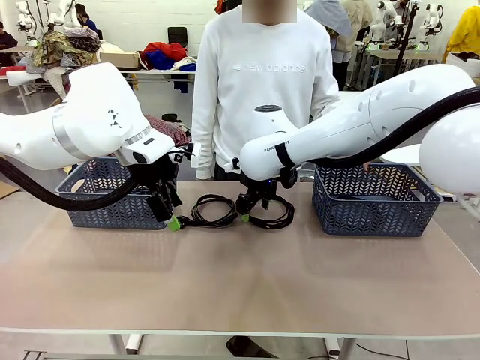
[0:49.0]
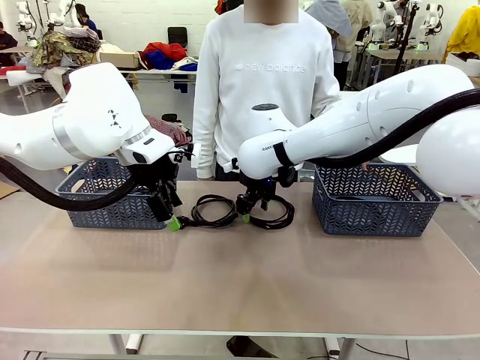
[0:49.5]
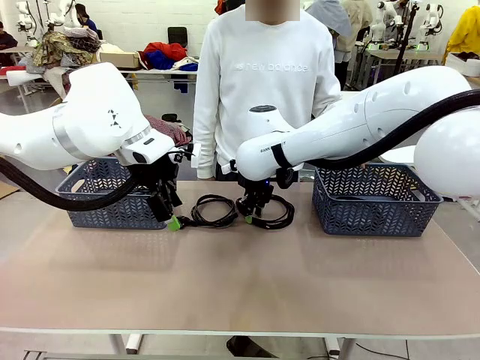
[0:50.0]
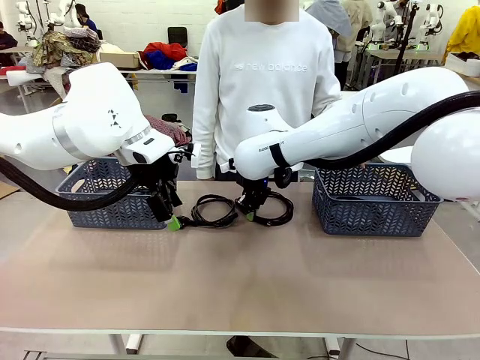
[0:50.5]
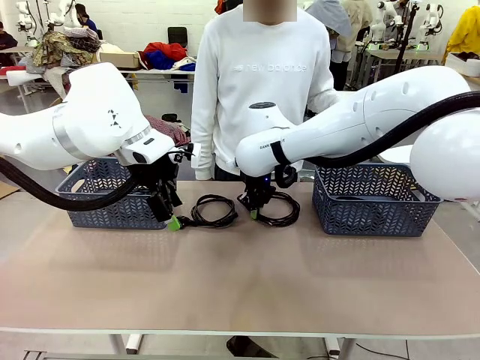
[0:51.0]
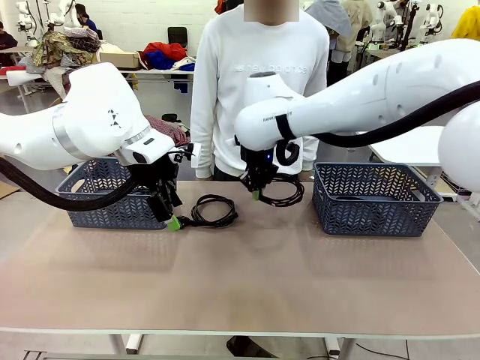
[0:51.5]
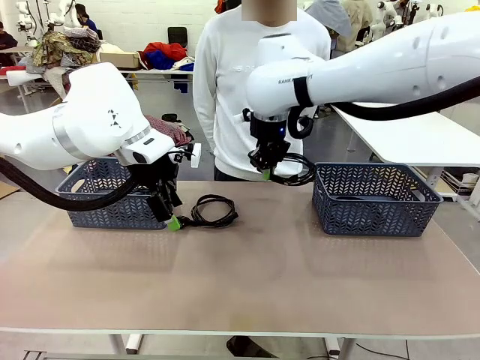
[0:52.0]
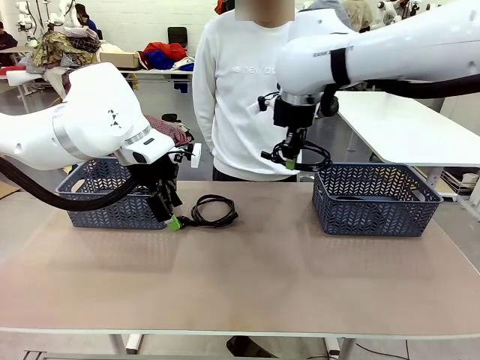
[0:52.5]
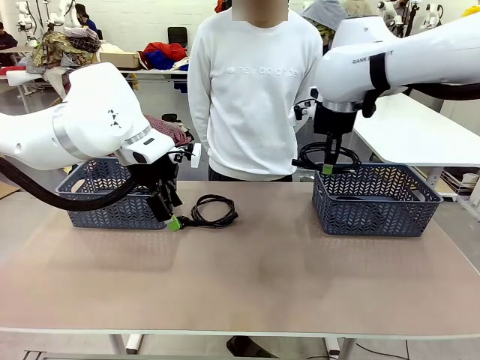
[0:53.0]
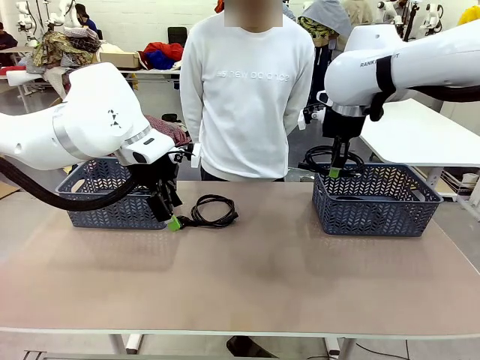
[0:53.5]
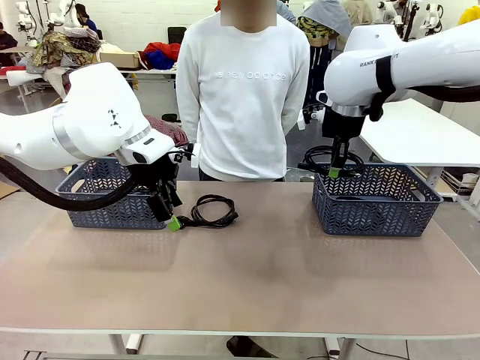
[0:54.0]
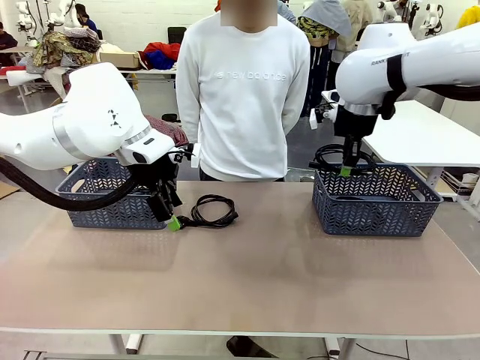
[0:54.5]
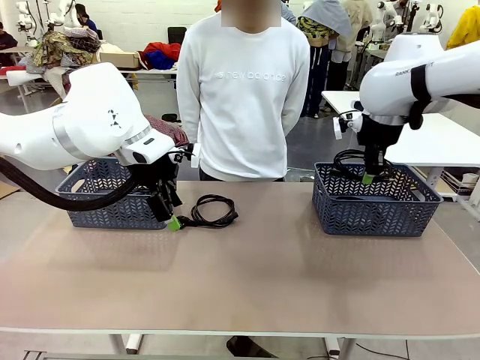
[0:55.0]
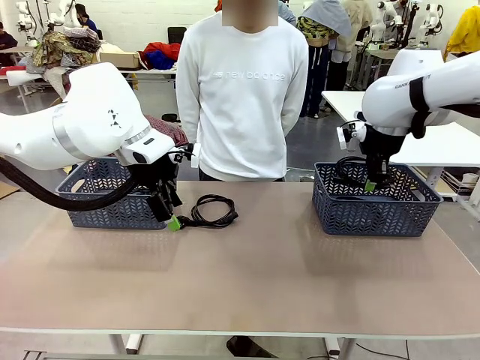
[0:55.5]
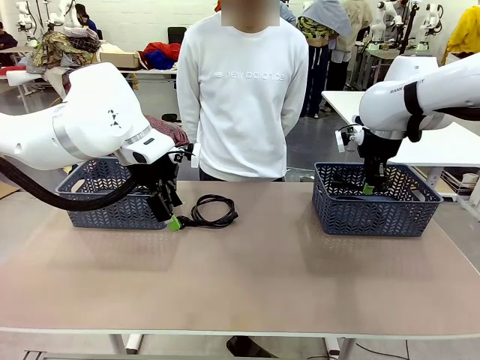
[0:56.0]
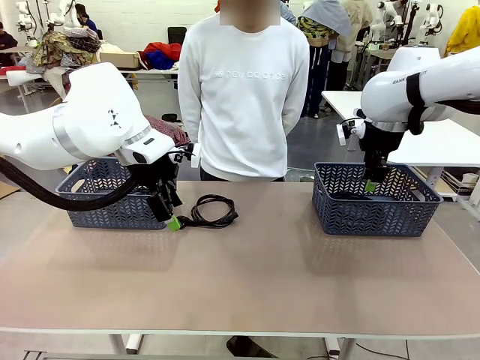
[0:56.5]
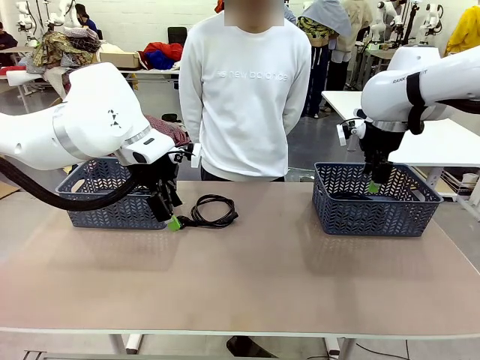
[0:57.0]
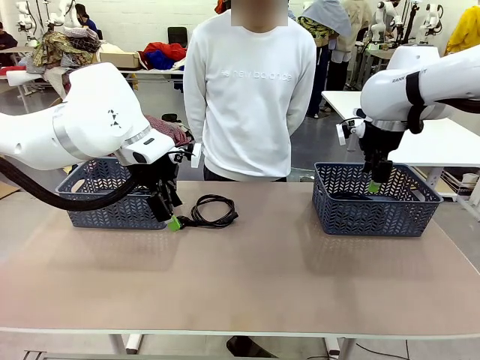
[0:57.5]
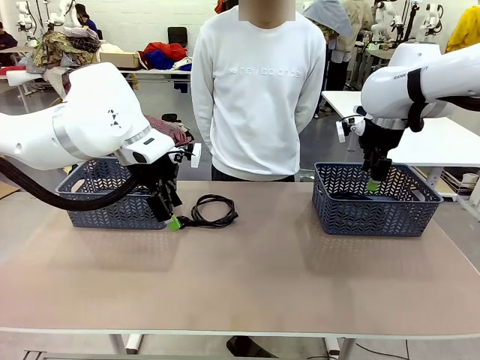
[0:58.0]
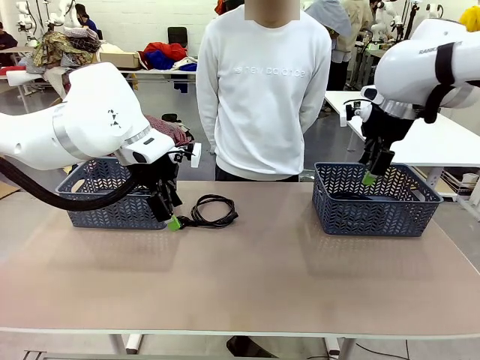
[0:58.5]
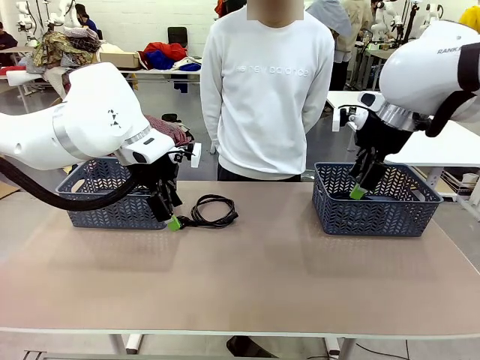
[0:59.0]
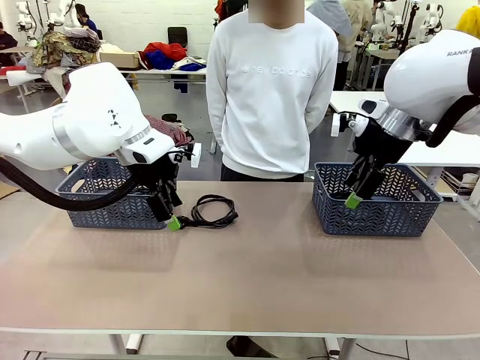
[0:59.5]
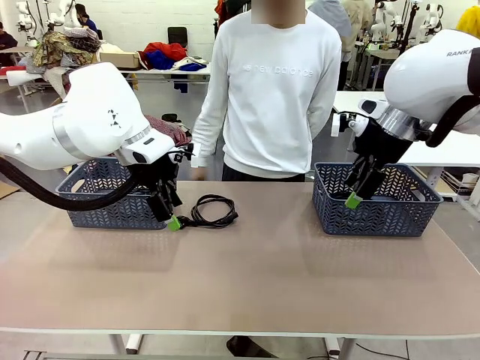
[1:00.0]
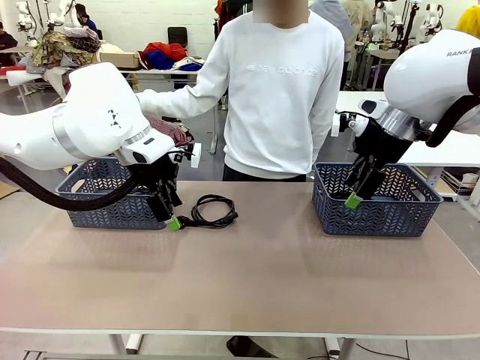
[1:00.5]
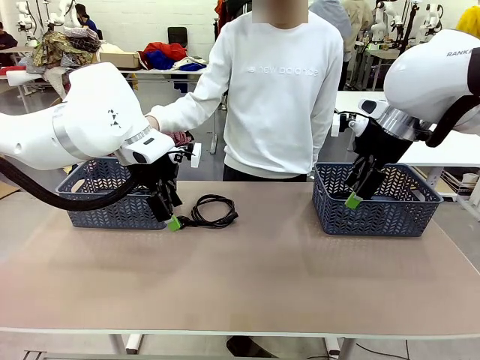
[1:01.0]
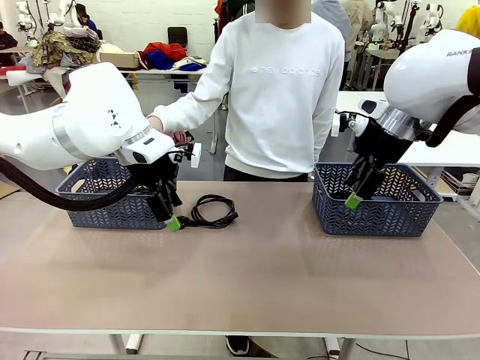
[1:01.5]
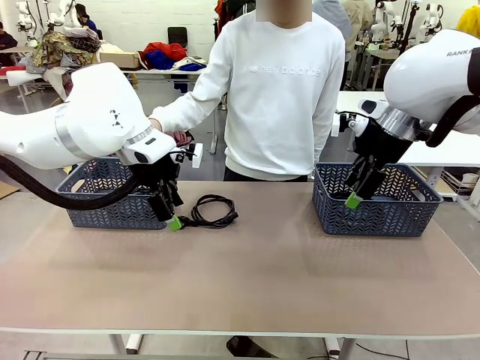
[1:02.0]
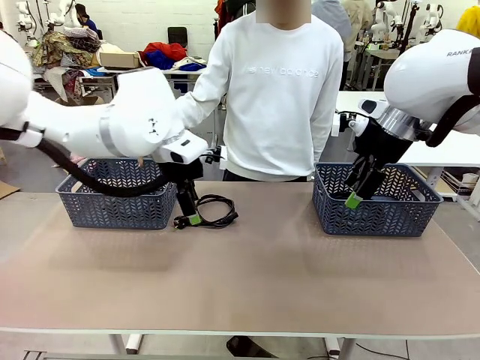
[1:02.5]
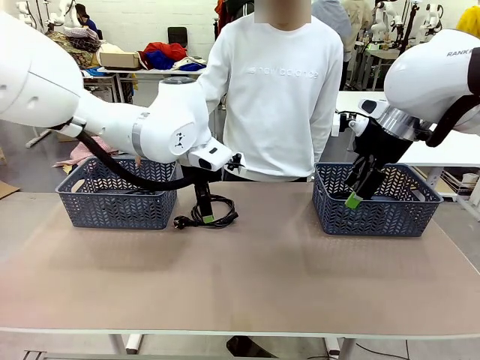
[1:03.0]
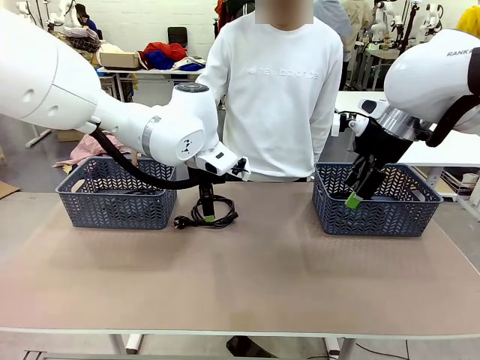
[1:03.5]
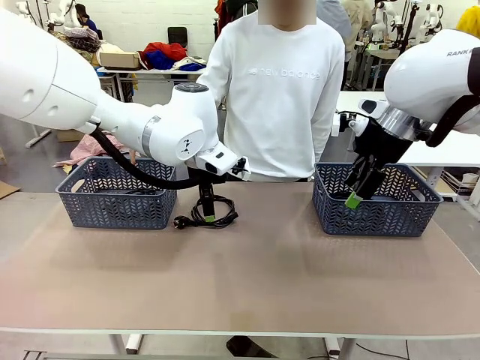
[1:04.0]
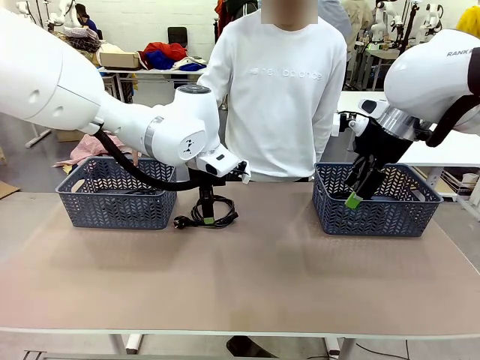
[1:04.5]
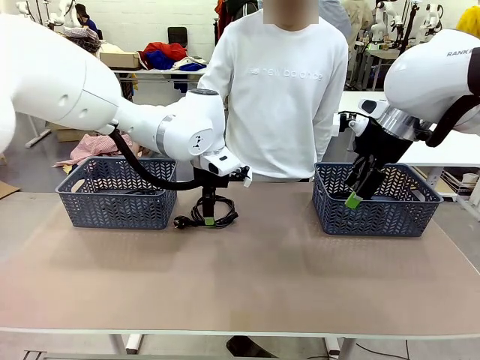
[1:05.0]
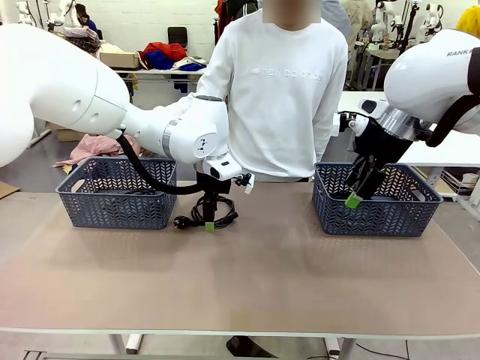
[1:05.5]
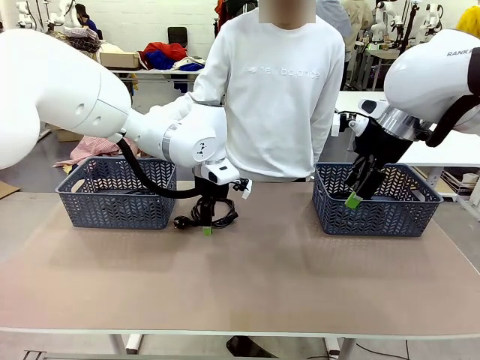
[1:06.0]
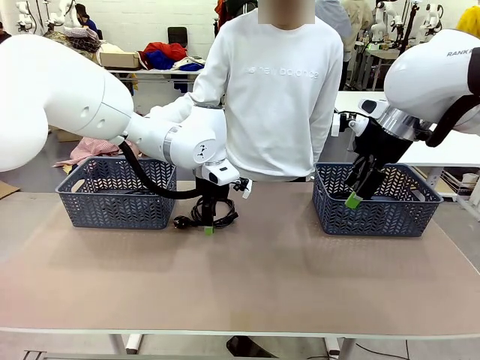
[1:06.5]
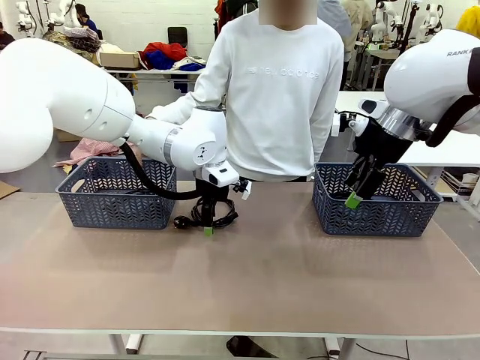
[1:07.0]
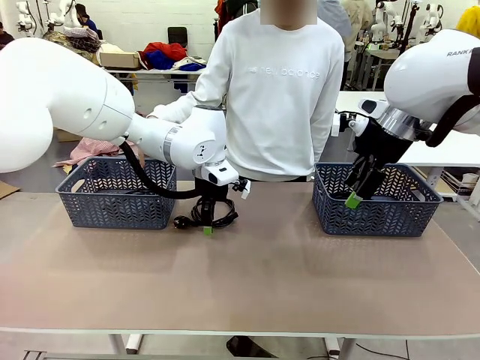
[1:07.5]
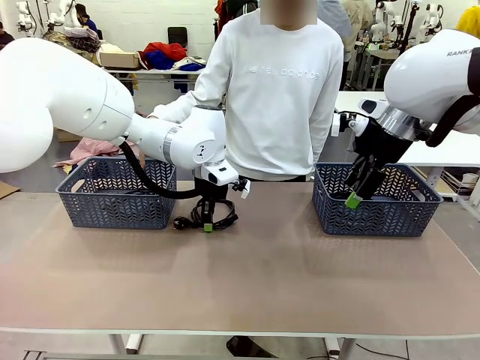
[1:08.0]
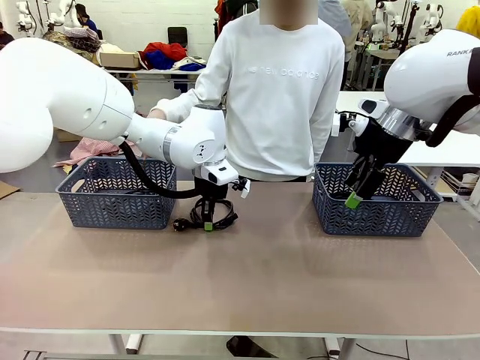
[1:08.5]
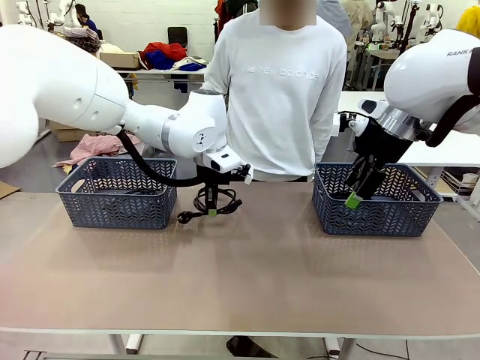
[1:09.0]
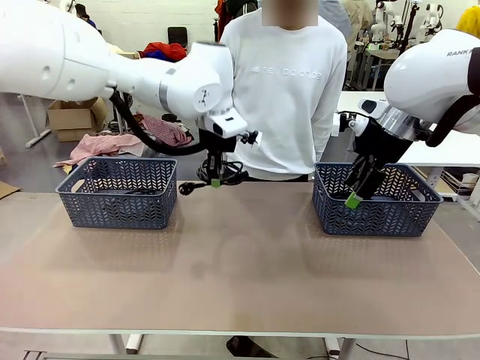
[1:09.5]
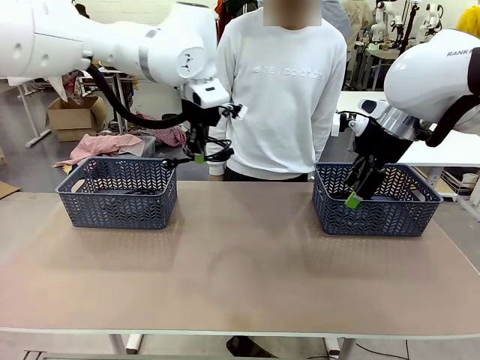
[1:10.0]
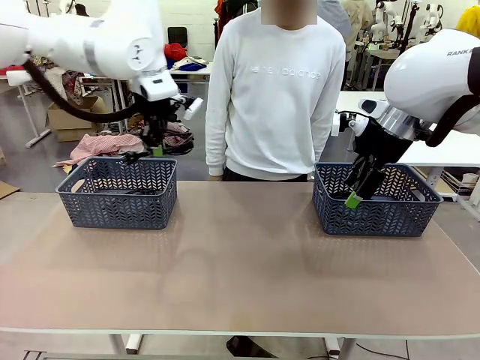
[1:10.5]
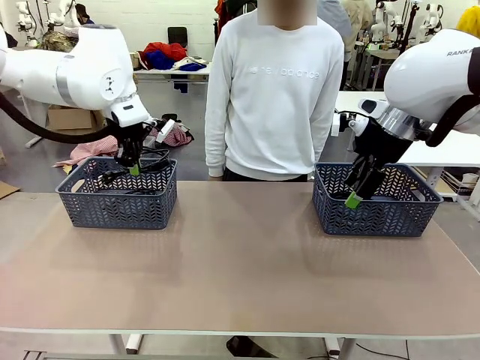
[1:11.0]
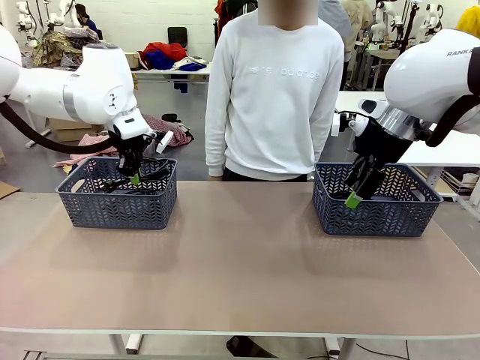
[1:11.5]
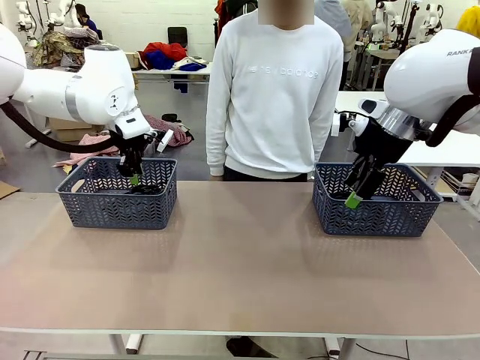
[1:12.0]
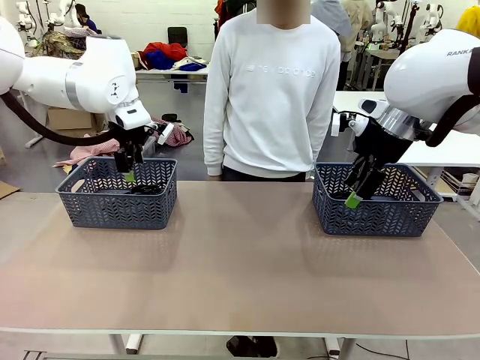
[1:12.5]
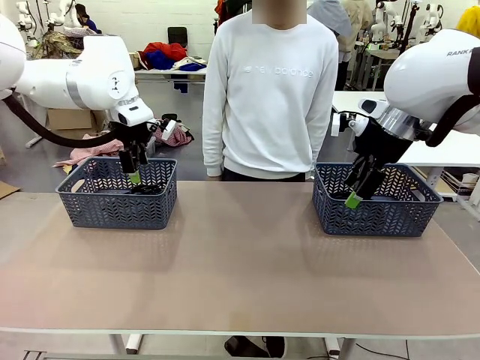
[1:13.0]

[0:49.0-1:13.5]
Task: Organize the cables according to human instructions.
Robot: Pick up a bundle of cables and place it in the basket indicated by the human.

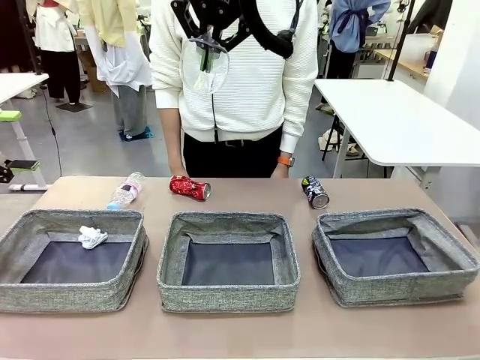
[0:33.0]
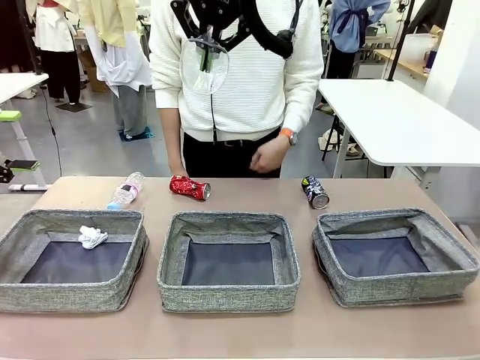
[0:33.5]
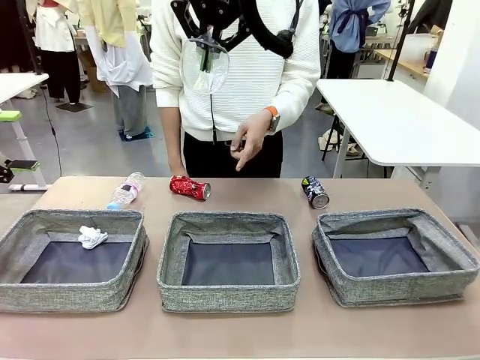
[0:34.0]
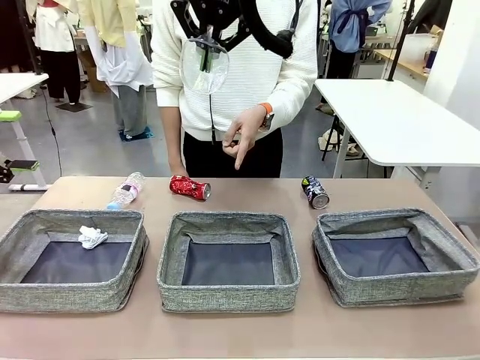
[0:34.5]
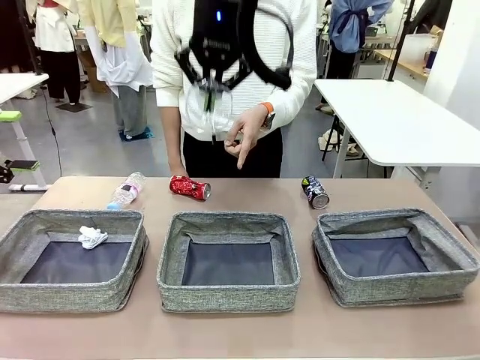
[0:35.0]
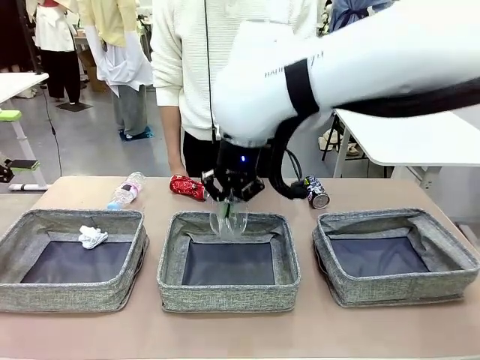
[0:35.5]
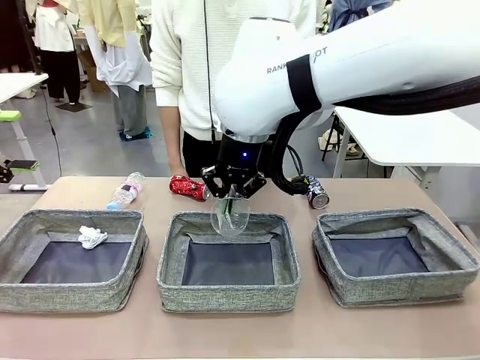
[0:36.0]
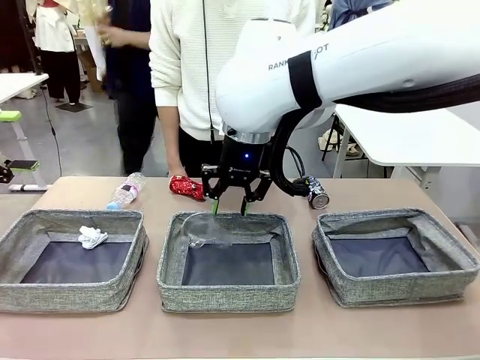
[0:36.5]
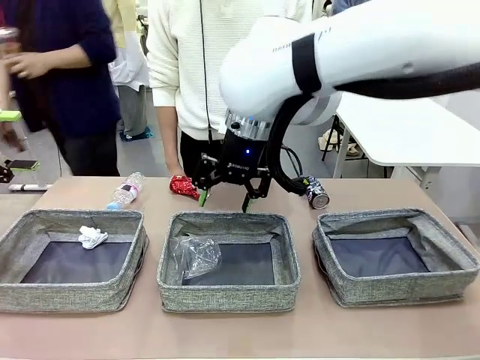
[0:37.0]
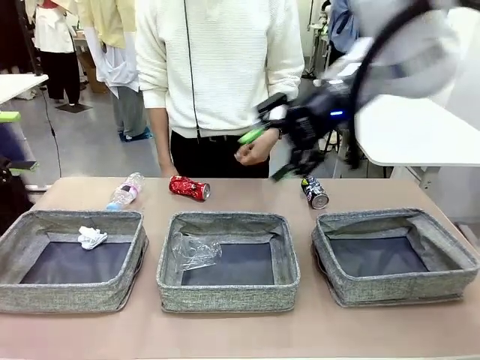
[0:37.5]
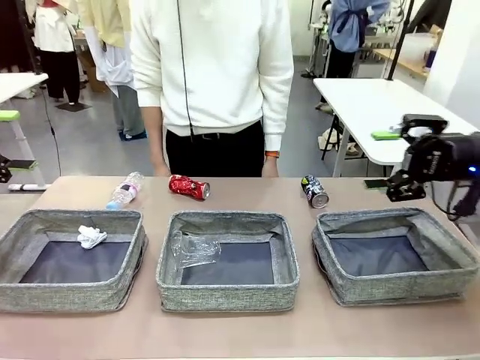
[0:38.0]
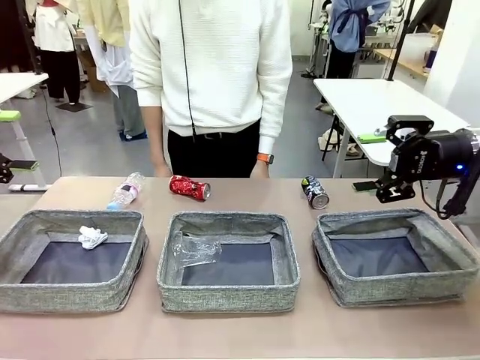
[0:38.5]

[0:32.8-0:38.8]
Task: Sort the waste into the appropriate baskets.
Robot: Place the picked waste into the Fabric basket indicated by the person.
Person: Instructs the robot to place the picked-up trash into the appropriate organizing basket.
